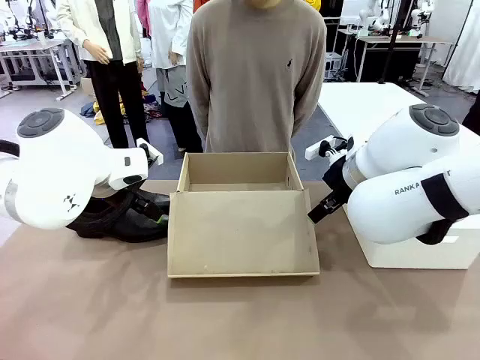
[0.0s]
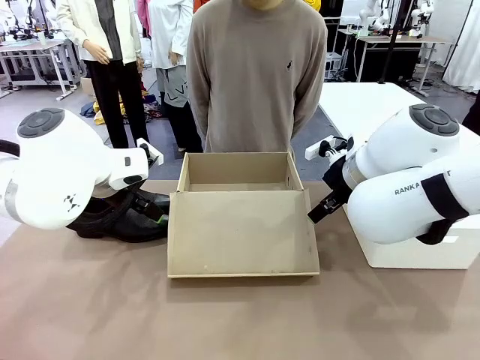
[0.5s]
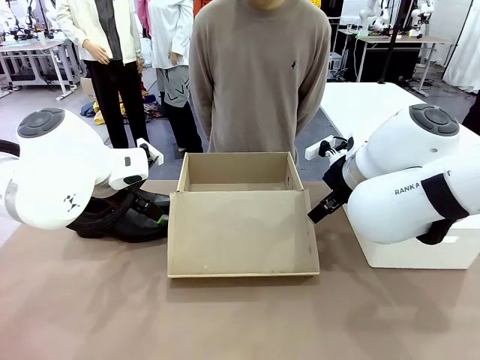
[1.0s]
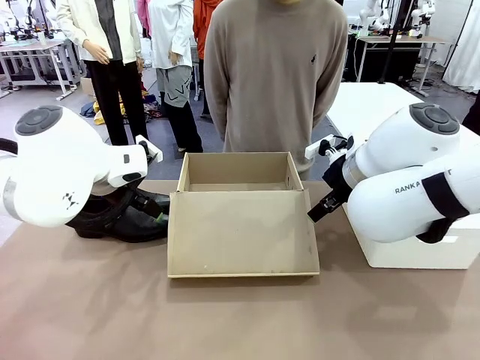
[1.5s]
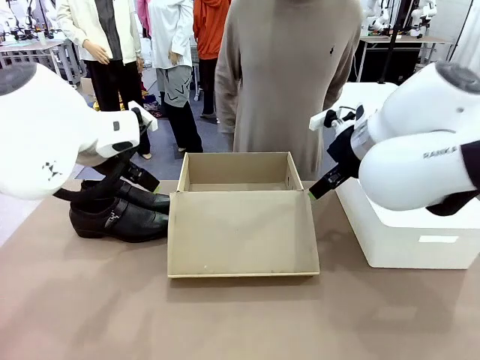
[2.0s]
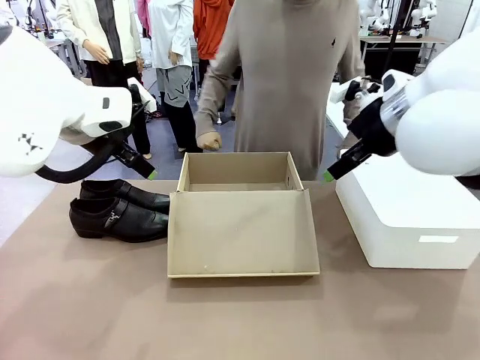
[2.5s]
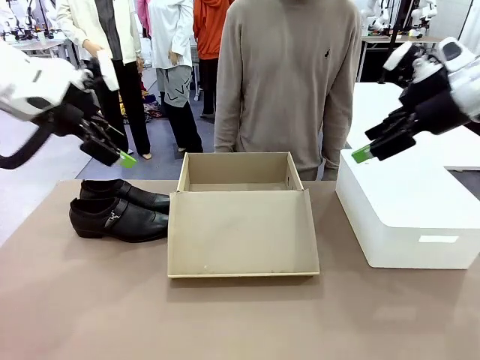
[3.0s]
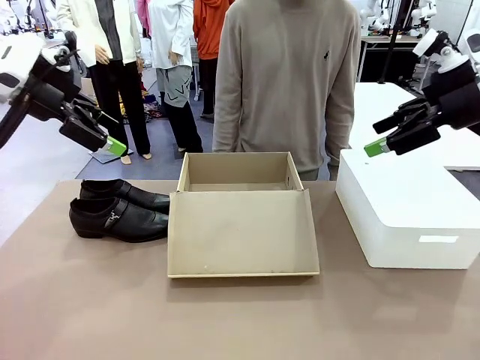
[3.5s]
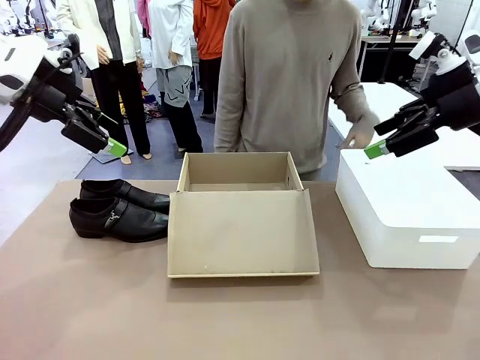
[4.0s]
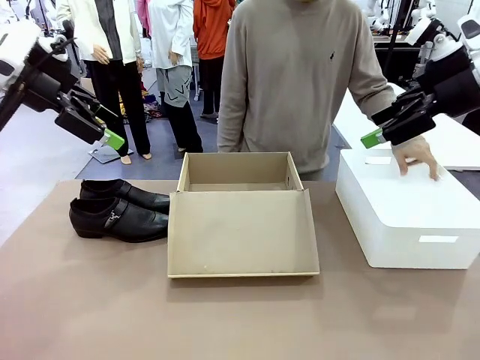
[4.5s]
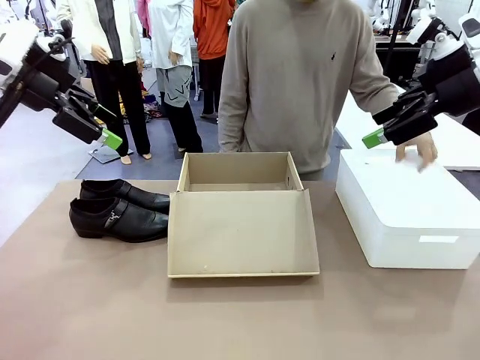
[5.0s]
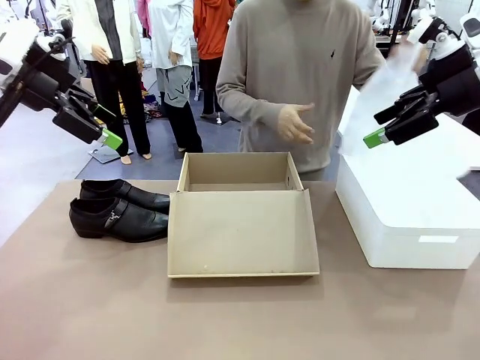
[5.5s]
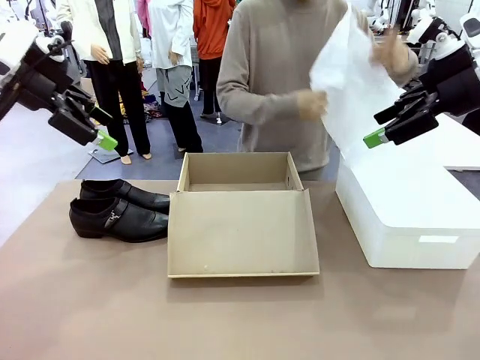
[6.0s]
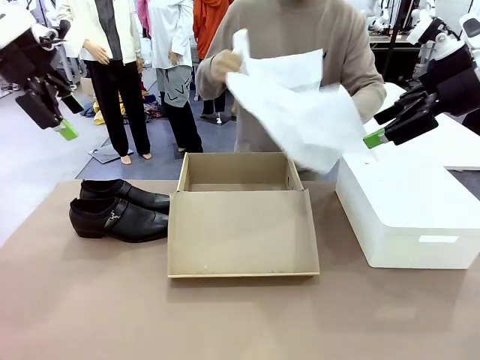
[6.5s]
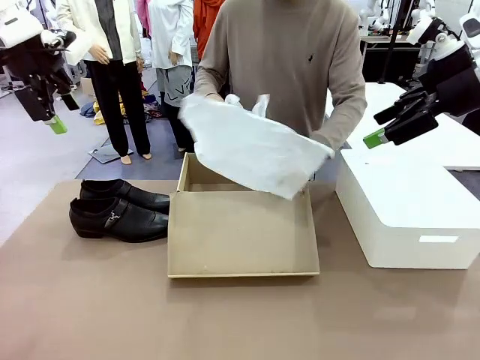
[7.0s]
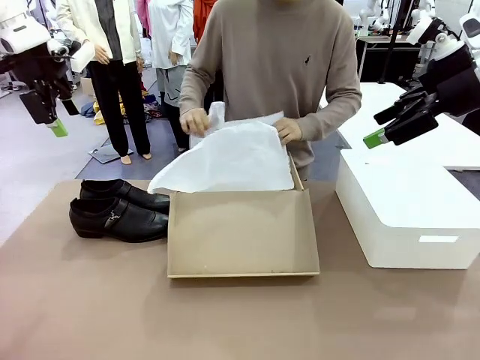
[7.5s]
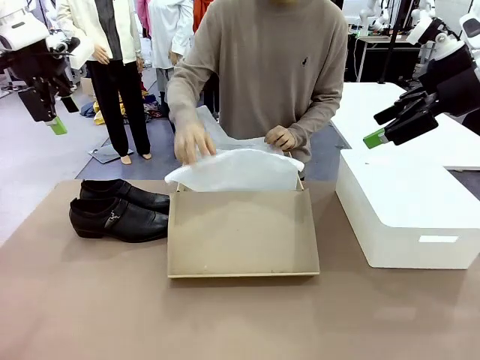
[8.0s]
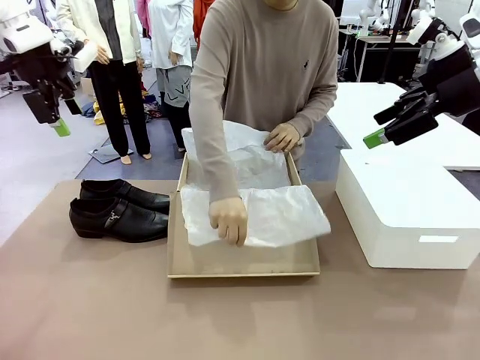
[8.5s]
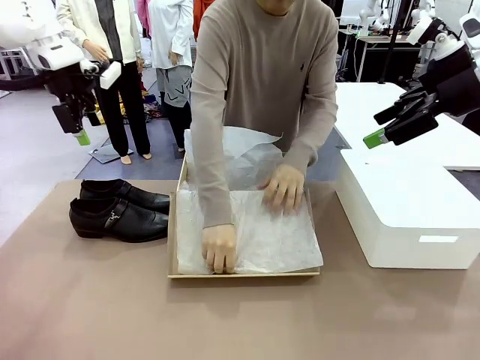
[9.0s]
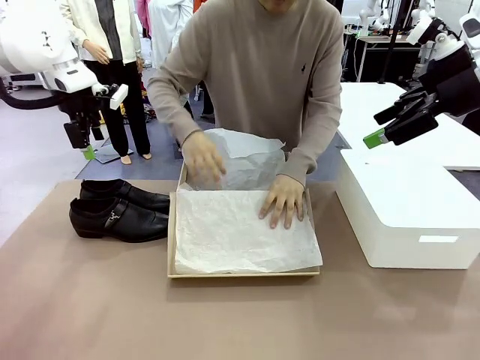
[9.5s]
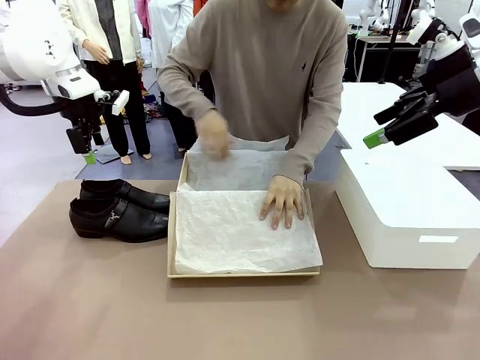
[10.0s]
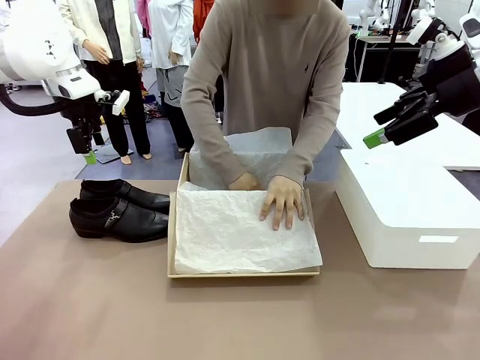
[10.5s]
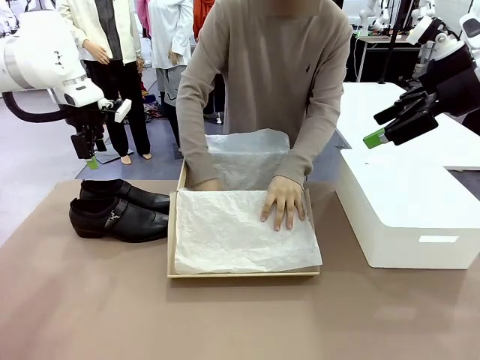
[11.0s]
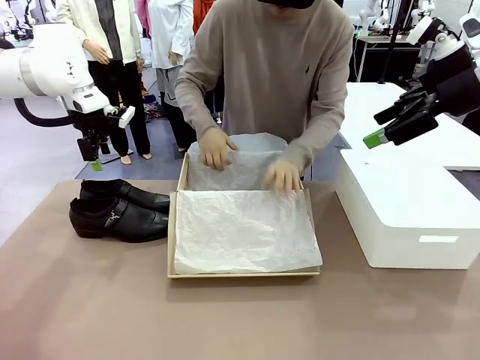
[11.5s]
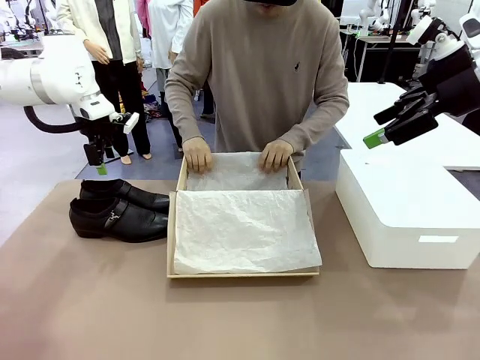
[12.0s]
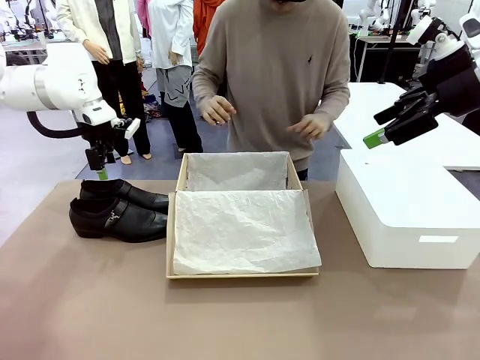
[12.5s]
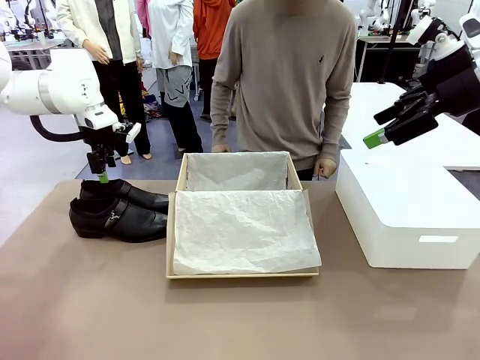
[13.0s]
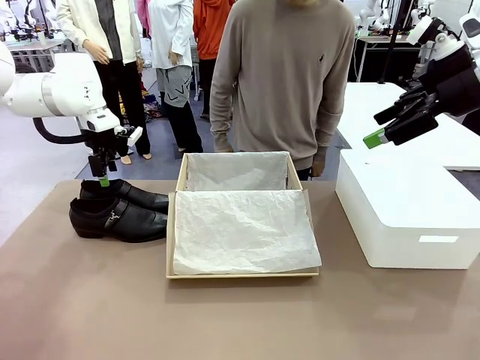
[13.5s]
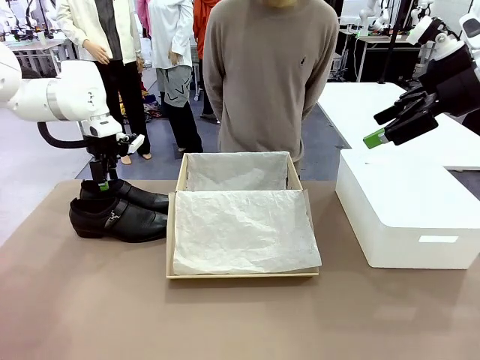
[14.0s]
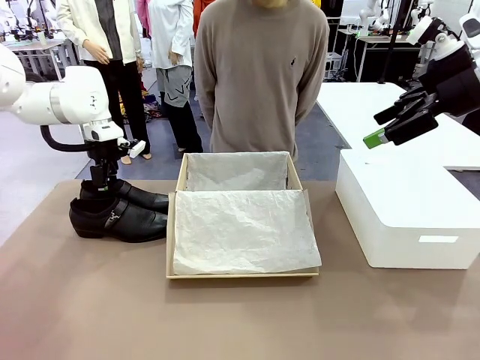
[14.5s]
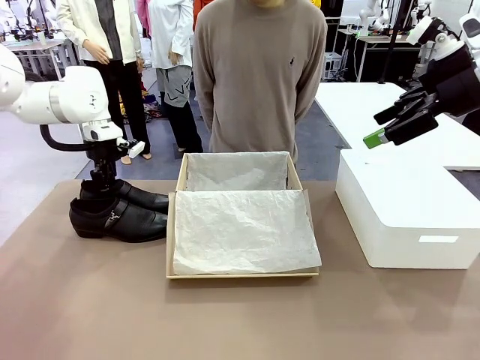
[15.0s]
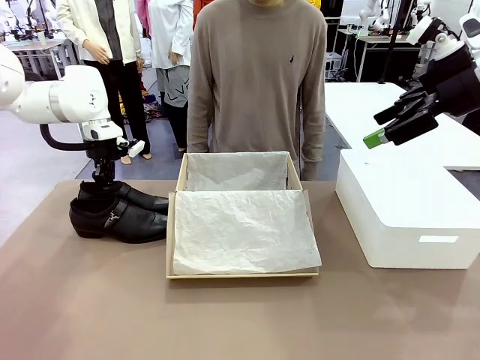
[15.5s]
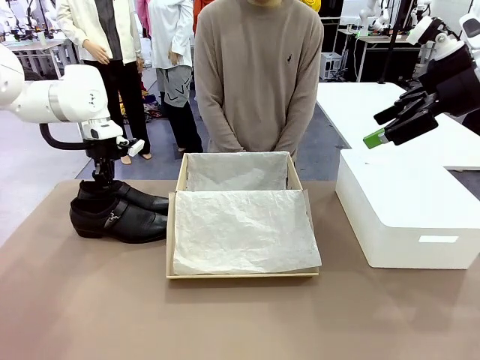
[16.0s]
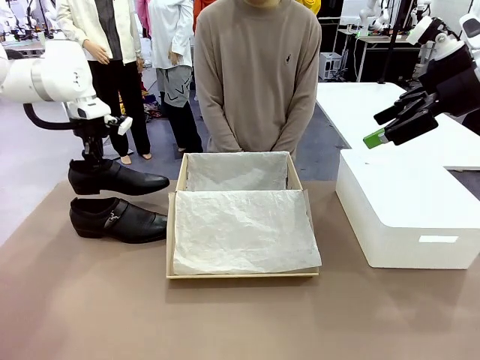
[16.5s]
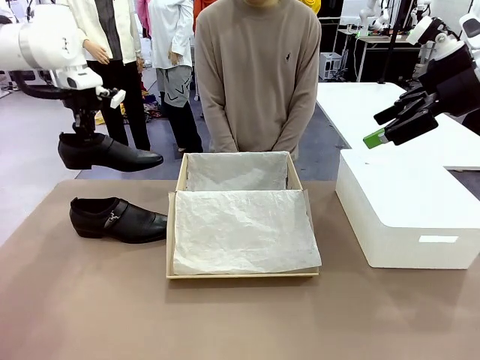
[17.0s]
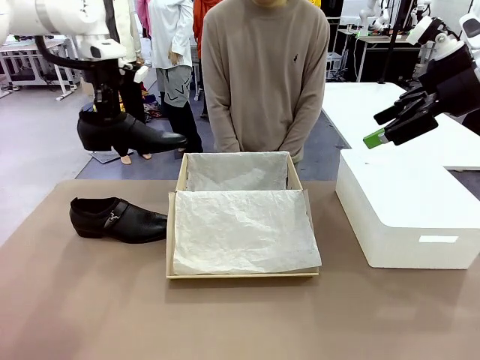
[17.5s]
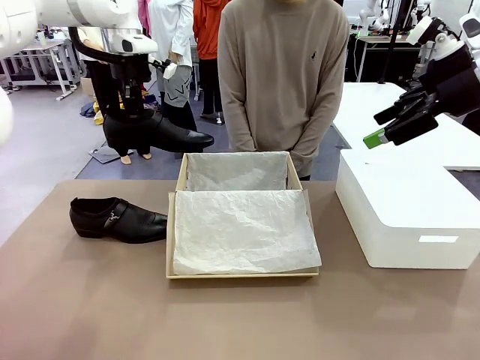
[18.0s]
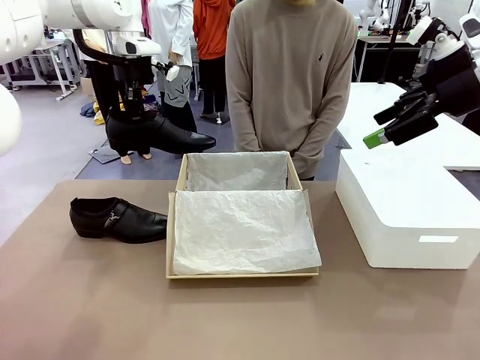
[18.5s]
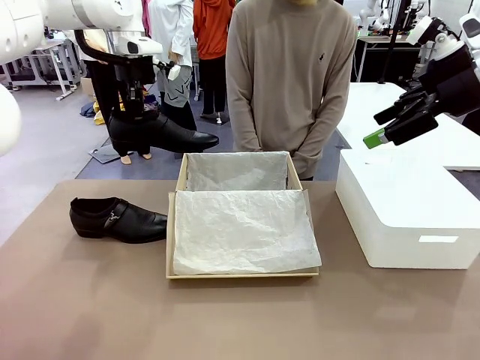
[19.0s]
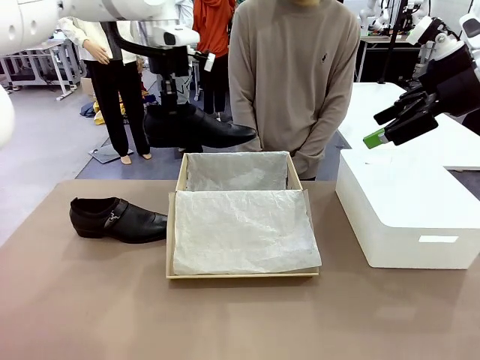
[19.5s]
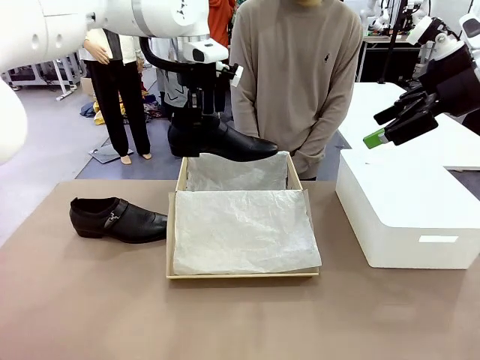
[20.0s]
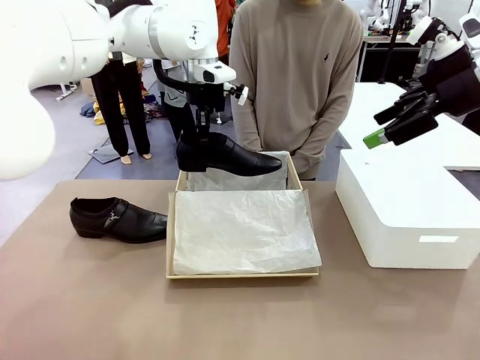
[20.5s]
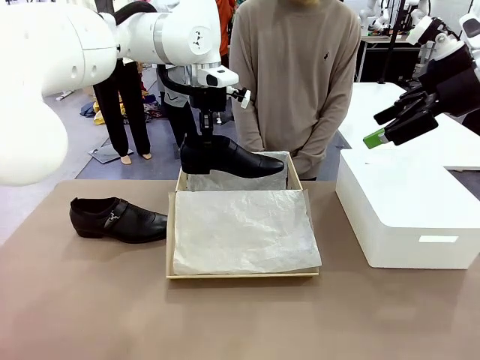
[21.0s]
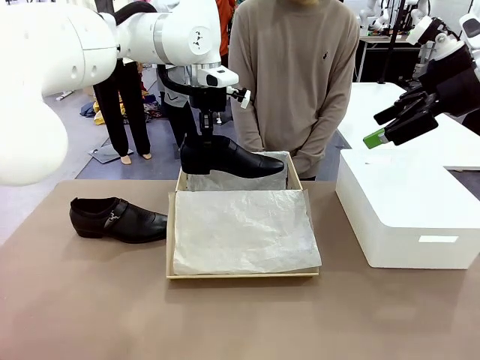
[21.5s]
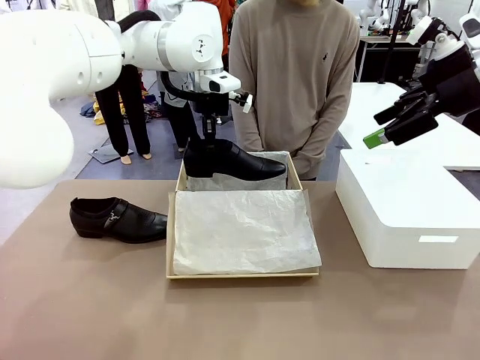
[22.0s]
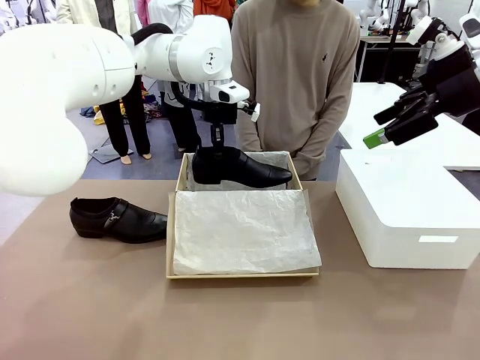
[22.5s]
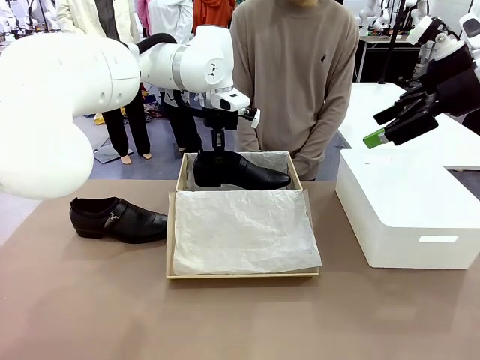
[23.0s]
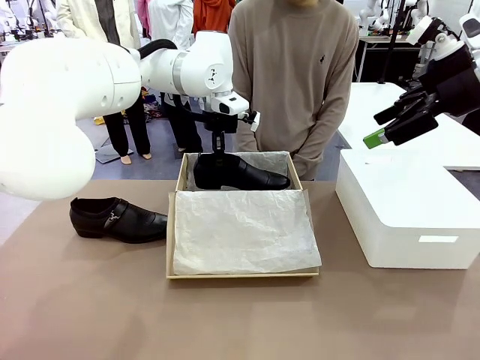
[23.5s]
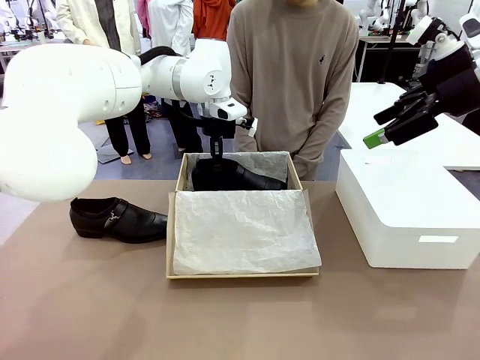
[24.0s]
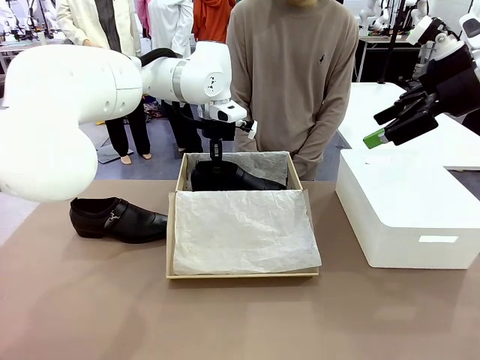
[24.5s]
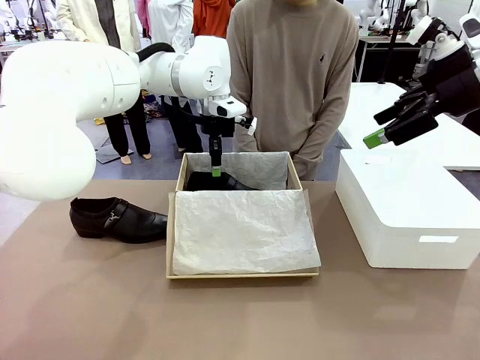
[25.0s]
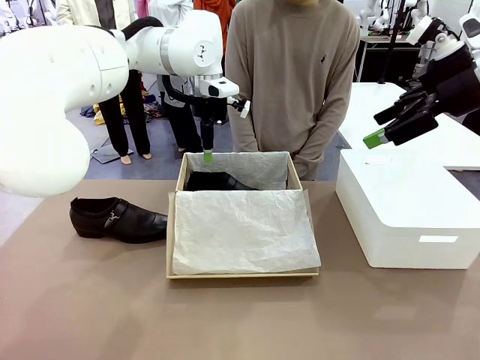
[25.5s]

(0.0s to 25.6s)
Task: Pack the shoes into the box.
Robot: Place one shoe of the Shoes into the Shoes Box.
Person: Spread Shoes Wrapping Paper and place inside the Shoes Box.
